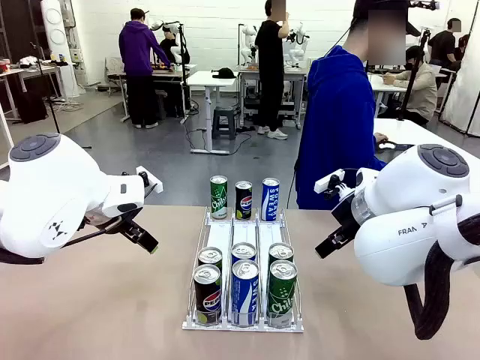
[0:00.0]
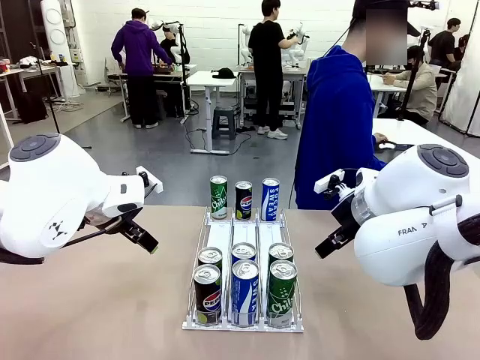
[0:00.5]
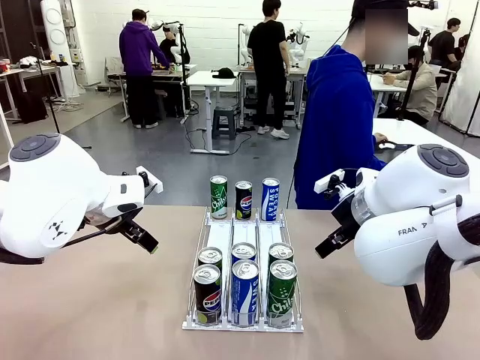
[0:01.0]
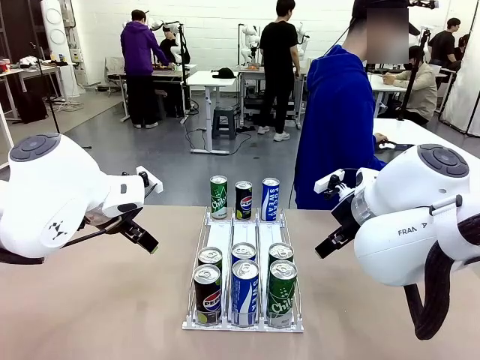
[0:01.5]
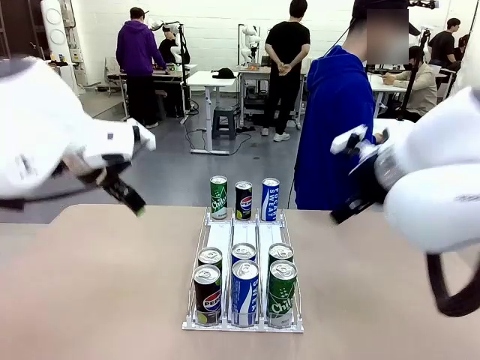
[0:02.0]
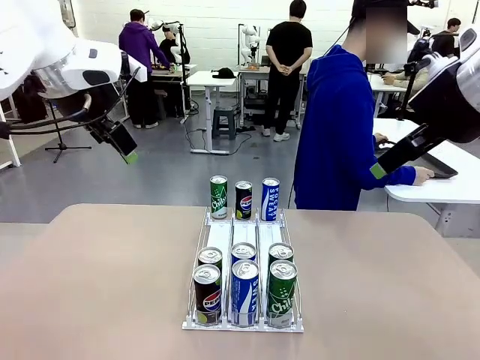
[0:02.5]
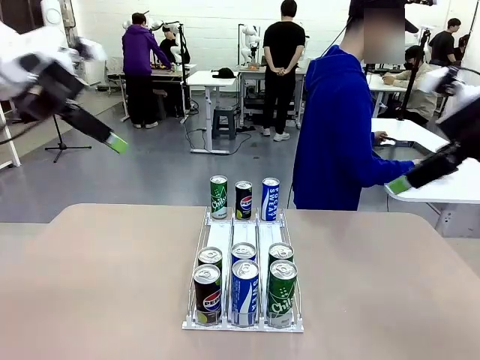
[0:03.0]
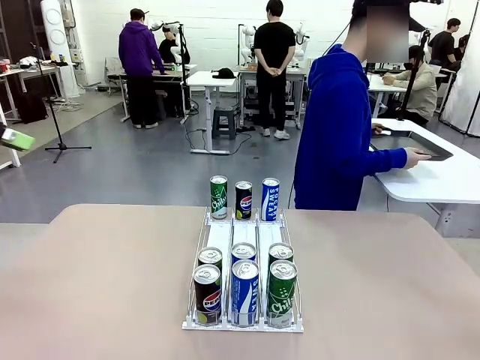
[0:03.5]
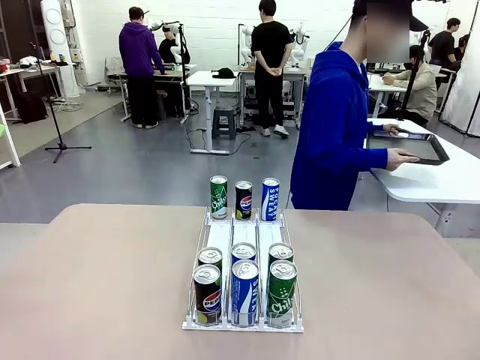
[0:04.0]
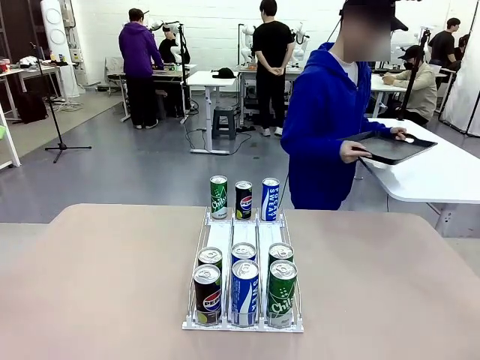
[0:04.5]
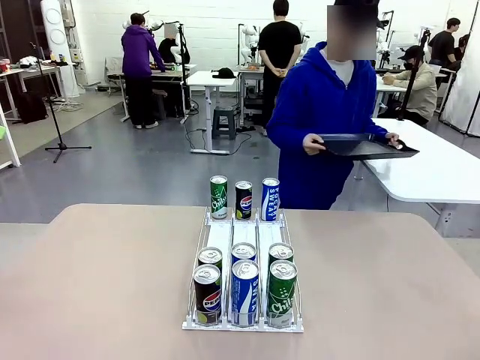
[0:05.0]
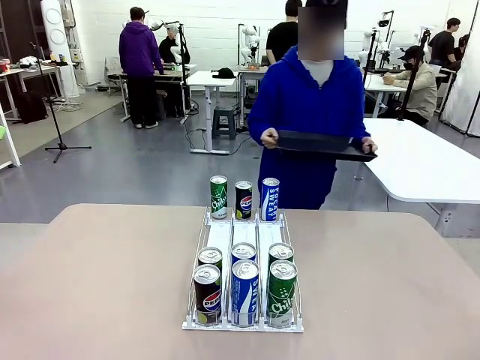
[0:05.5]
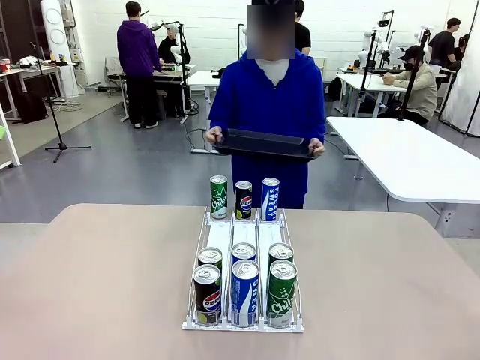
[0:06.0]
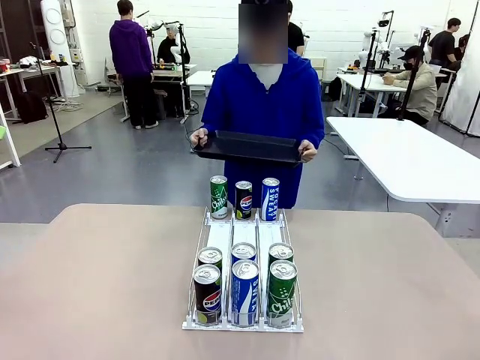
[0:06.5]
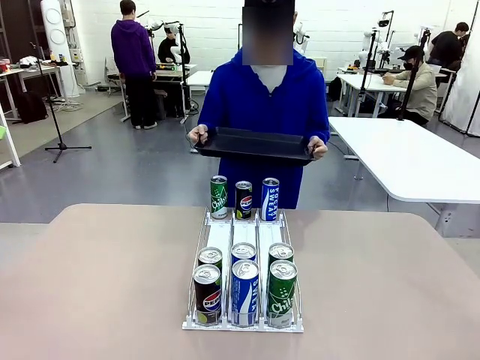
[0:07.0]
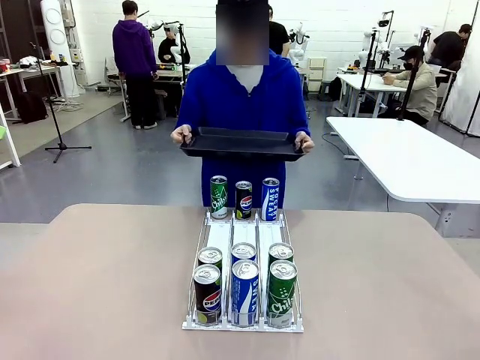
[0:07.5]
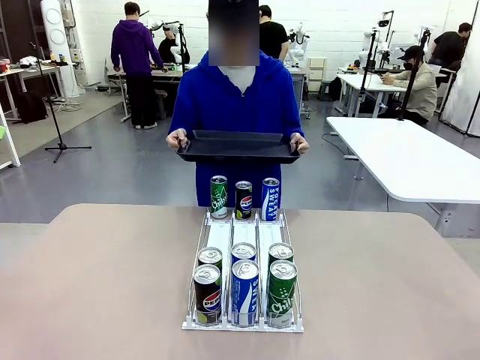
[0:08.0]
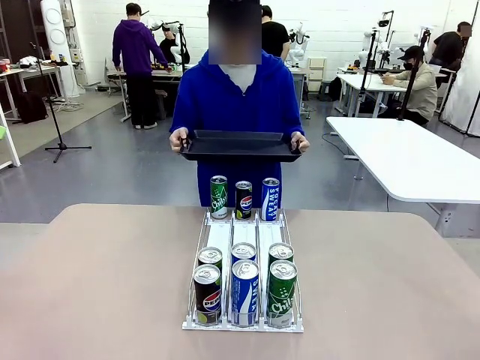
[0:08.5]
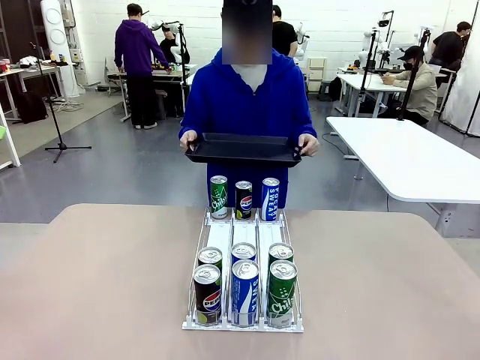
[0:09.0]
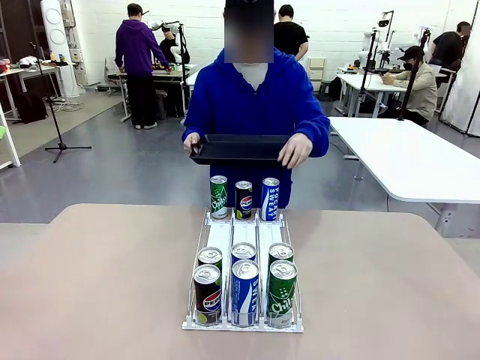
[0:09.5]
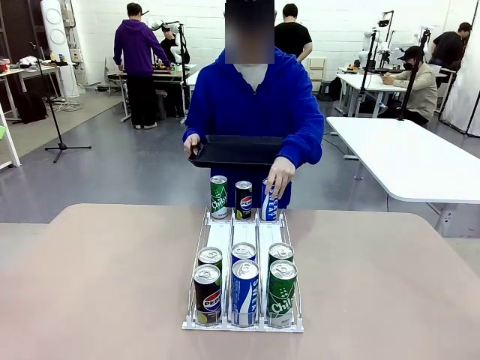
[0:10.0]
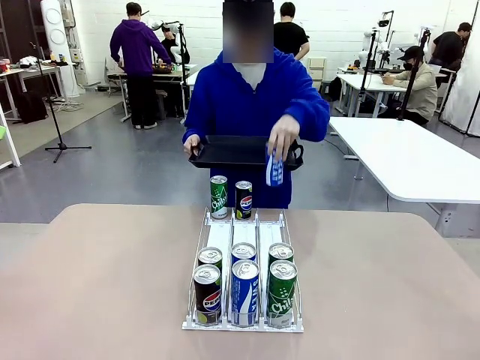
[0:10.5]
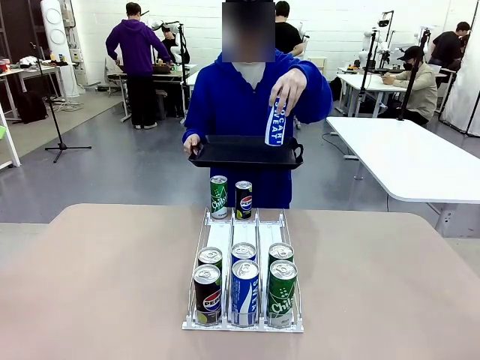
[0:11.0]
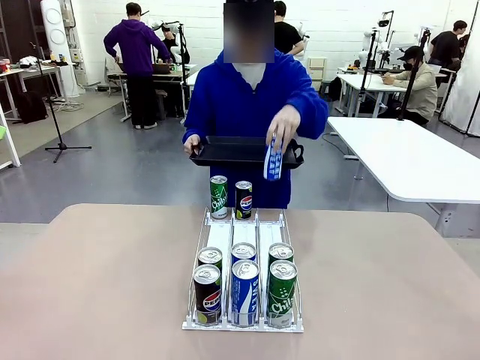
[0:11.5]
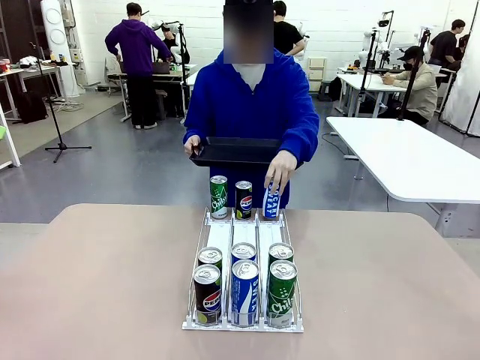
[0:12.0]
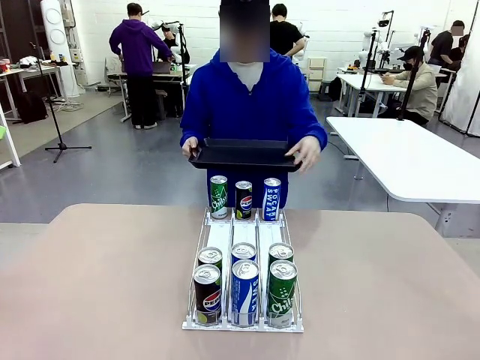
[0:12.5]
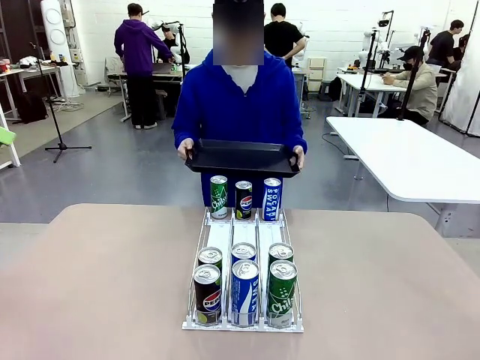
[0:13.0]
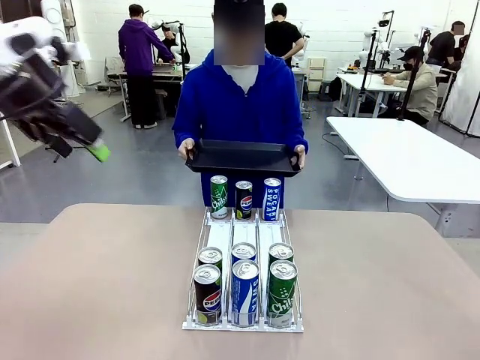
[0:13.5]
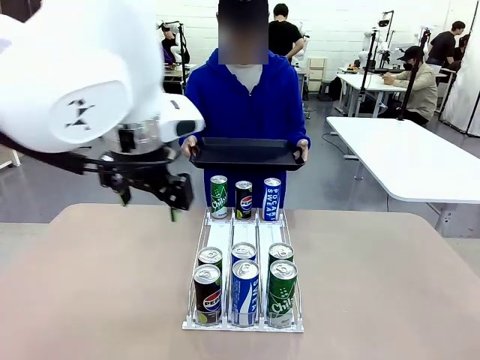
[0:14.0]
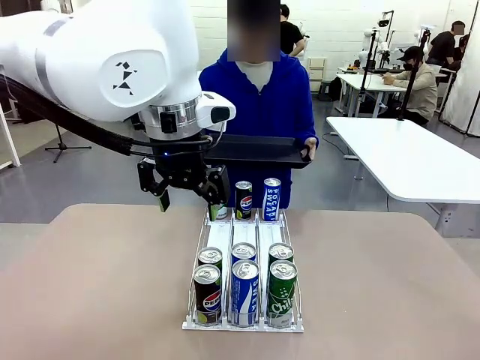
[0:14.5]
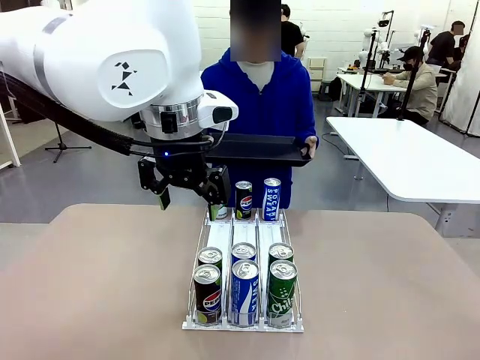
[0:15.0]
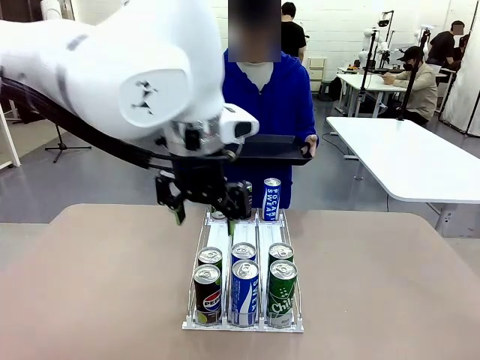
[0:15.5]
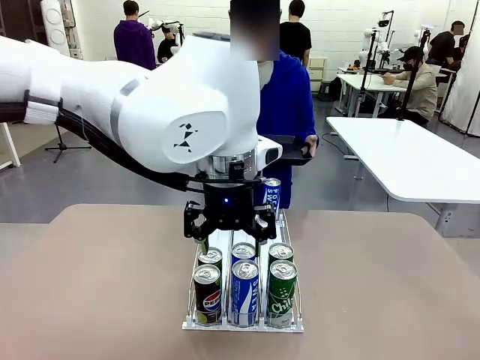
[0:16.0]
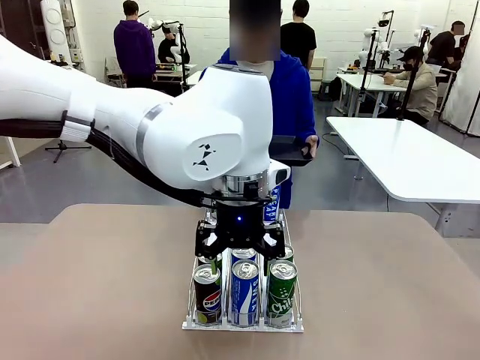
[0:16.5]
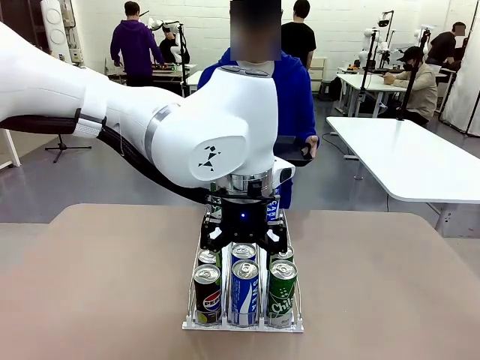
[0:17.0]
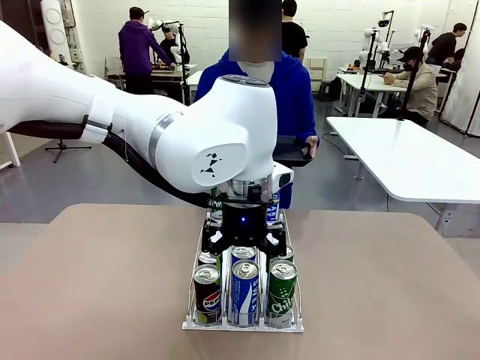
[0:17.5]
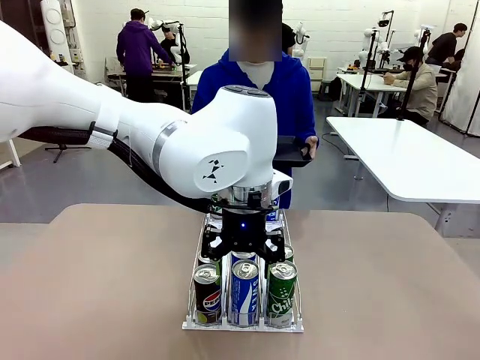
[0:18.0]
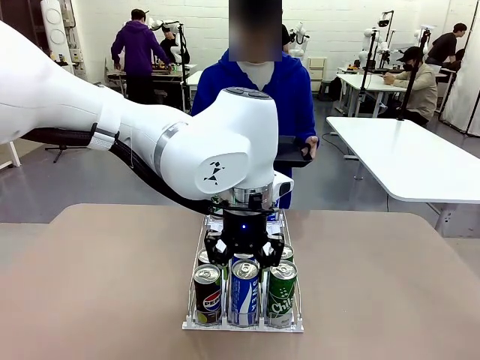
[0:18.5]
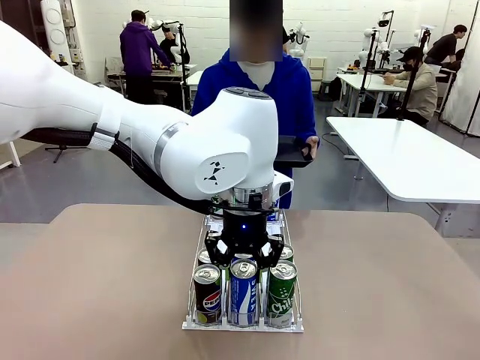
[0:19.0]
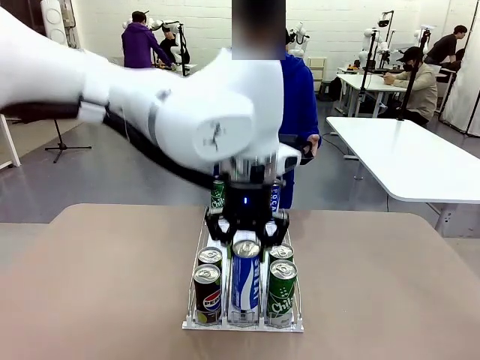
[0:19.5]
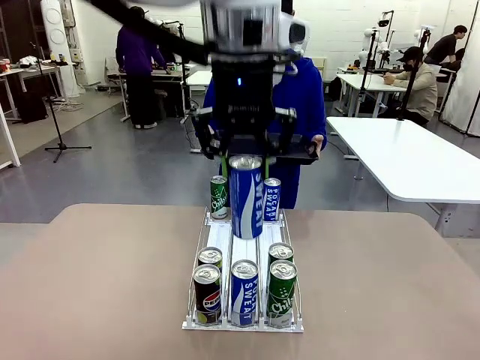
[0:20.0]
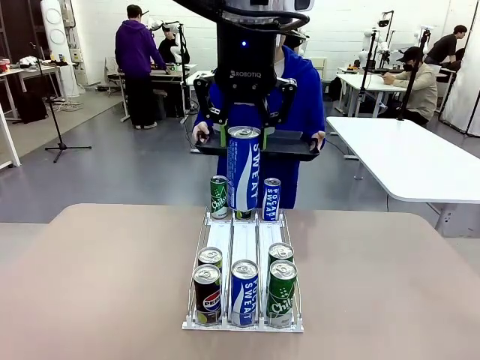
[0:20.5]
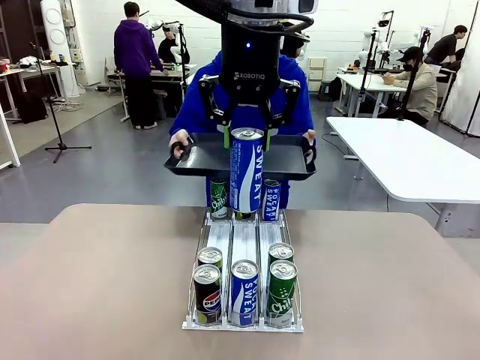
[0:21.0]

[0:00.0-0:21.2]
Task: Retrieve and hand over the desired beverage to the person.
Robot: Pick up a can of the same type that the person held from the Automatic Can Dispenser.
Person: Hold the tray and position yourself in front of the robot table. Pick up one can from the bottom area of the table and puts it back in its original place. Push the tray toward the robot.

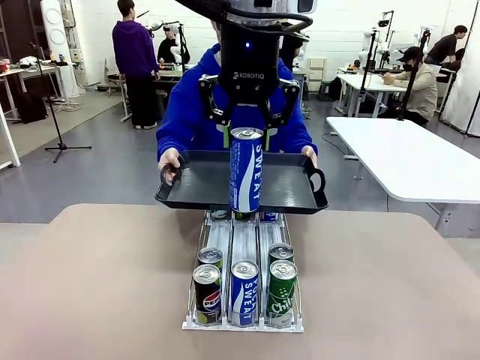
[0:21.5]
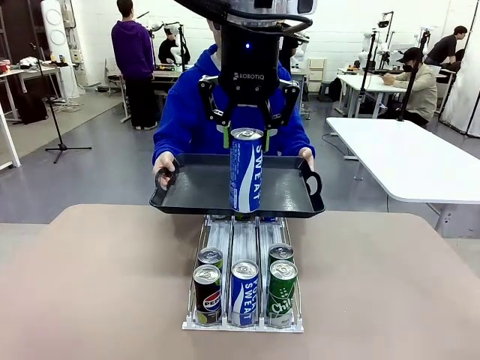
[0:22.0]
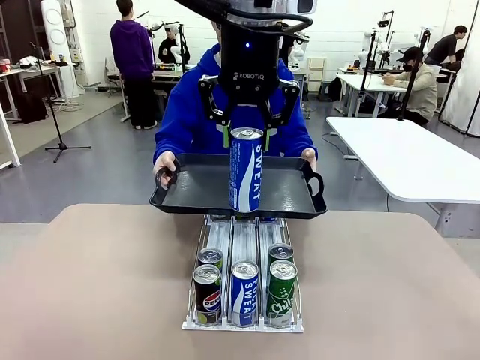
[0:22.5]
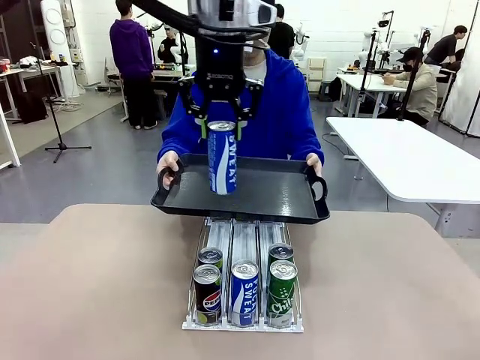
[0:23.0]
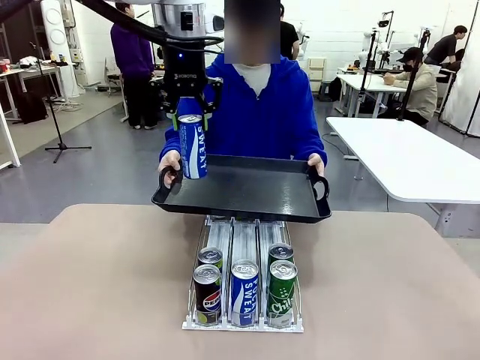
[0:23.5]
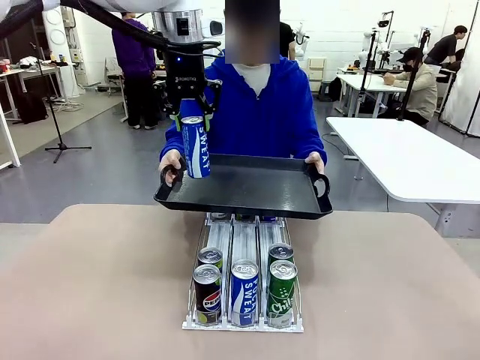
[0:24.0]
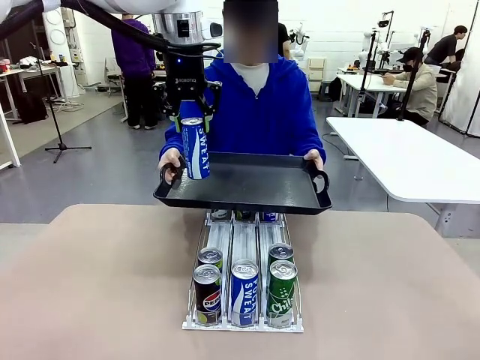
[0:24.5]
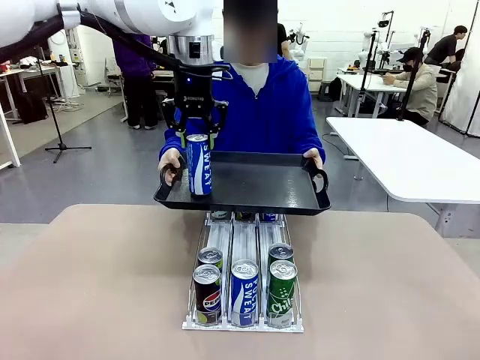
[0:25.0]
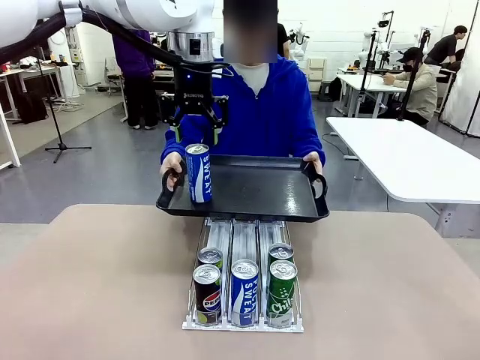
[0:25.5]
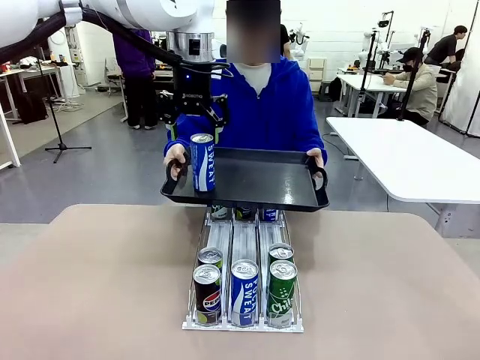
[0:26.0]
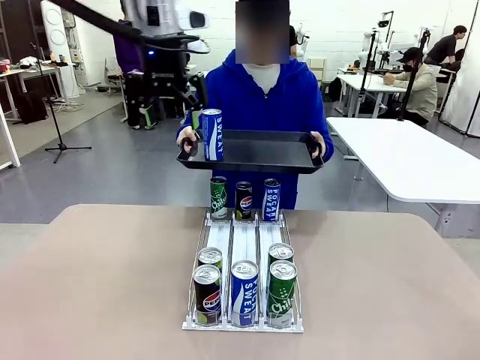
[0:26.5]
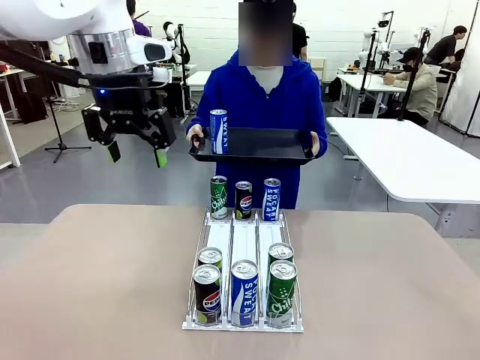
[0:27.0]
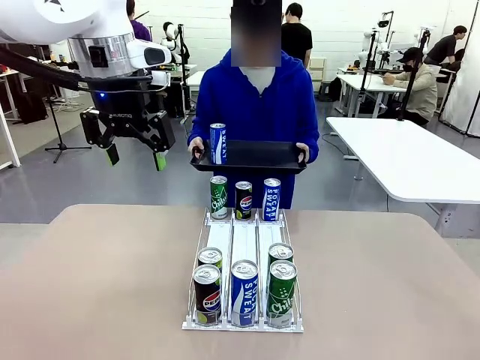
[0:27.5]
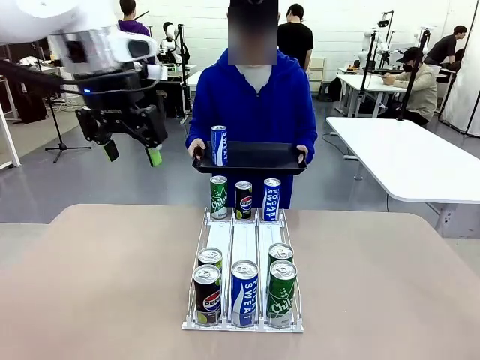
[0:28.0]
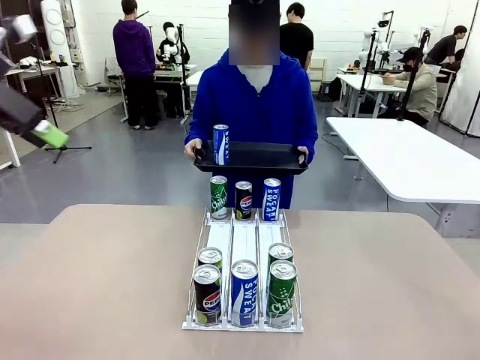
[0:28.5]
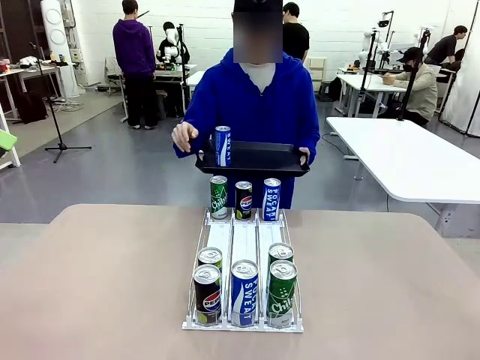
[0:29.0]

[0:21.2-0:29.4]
Robot: Place the picked can on the Handle tray extended by the person.
Person: Pull the tray back, then pick up another can from the bottom area of the table and puts it back in its original place.
